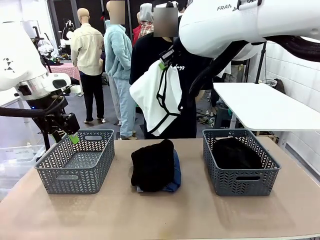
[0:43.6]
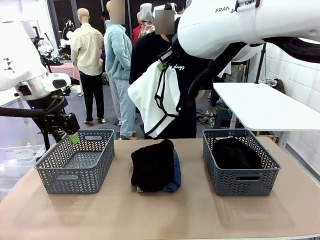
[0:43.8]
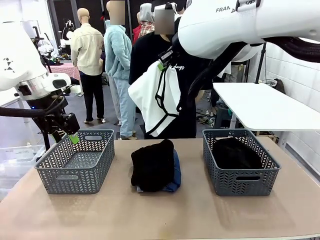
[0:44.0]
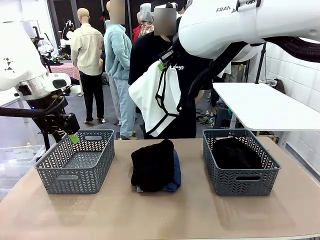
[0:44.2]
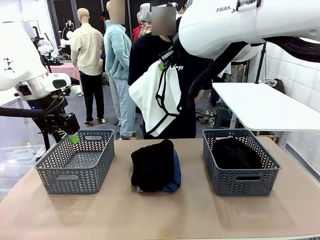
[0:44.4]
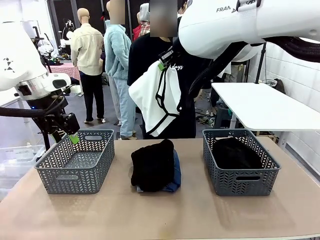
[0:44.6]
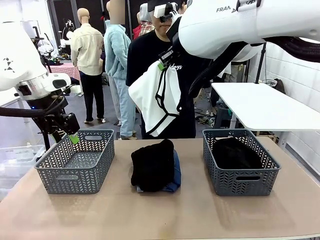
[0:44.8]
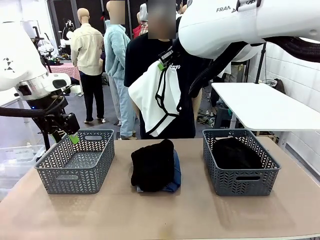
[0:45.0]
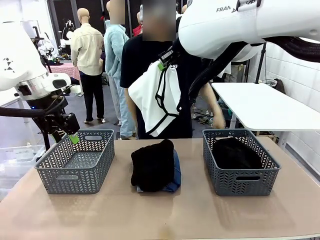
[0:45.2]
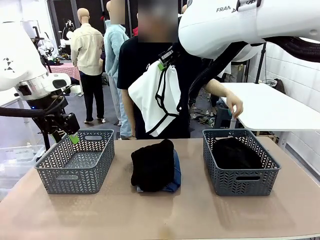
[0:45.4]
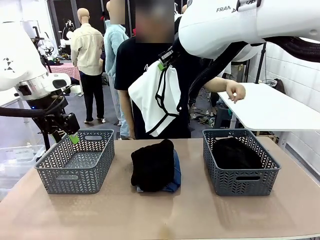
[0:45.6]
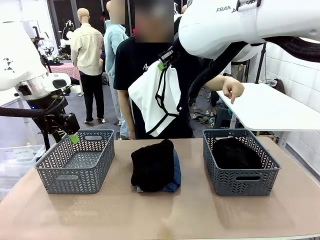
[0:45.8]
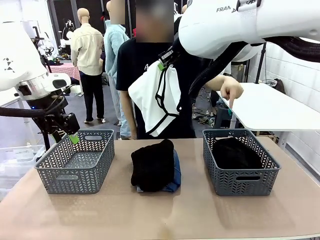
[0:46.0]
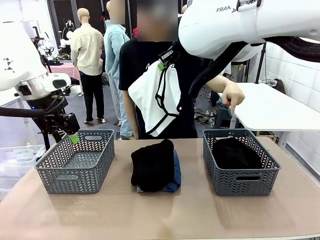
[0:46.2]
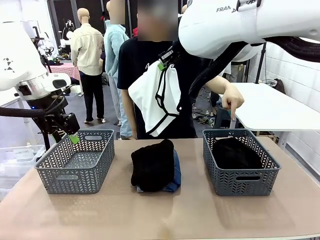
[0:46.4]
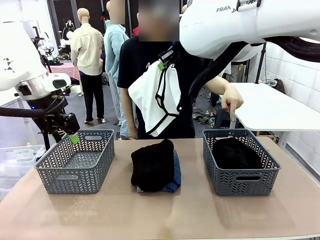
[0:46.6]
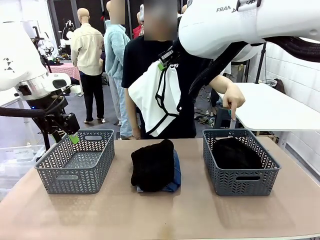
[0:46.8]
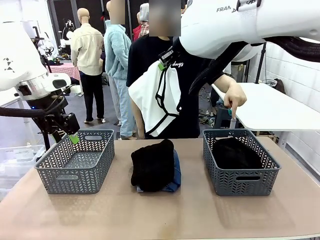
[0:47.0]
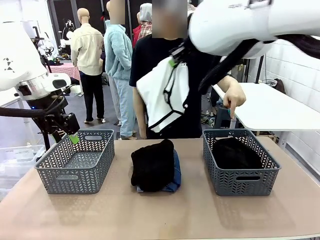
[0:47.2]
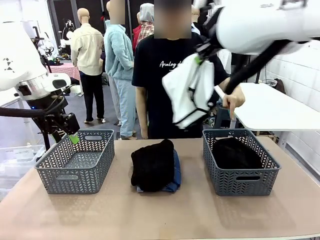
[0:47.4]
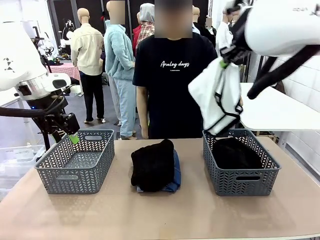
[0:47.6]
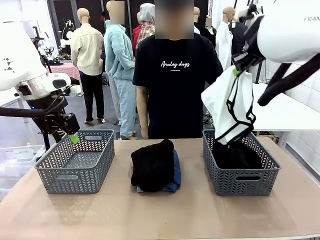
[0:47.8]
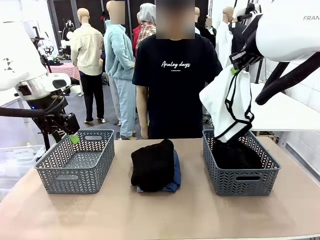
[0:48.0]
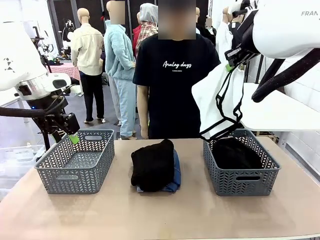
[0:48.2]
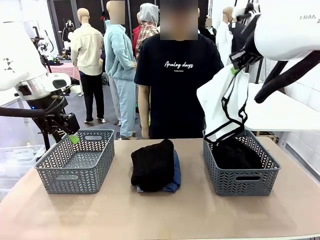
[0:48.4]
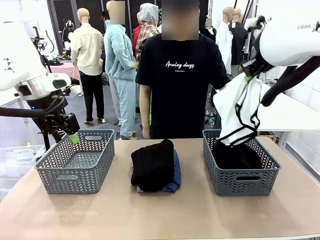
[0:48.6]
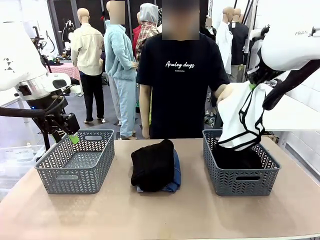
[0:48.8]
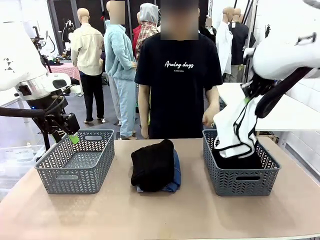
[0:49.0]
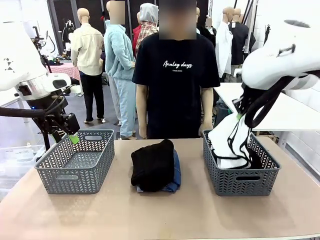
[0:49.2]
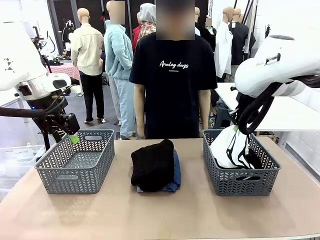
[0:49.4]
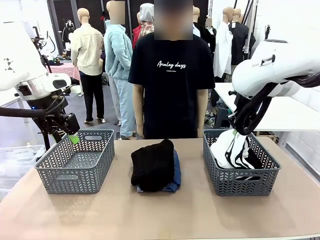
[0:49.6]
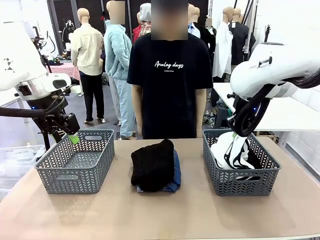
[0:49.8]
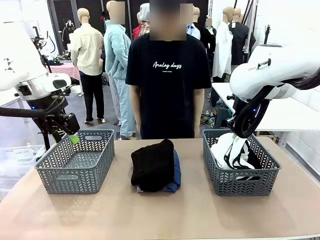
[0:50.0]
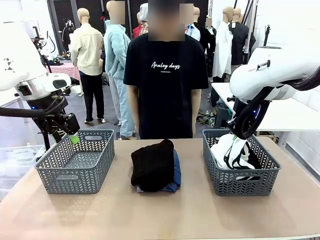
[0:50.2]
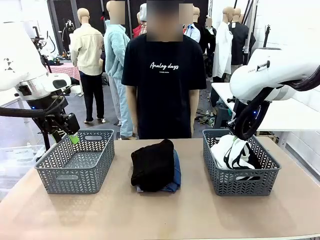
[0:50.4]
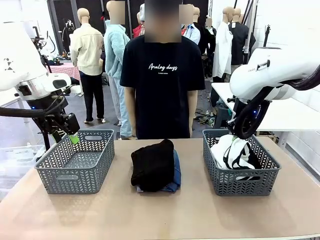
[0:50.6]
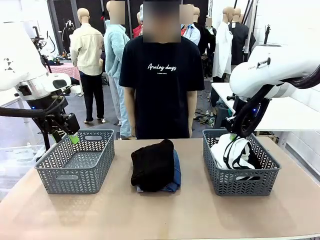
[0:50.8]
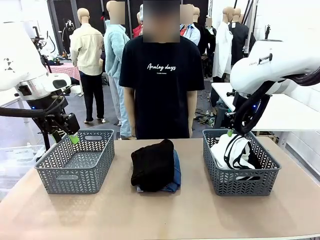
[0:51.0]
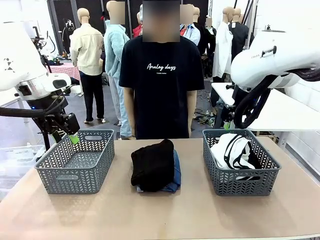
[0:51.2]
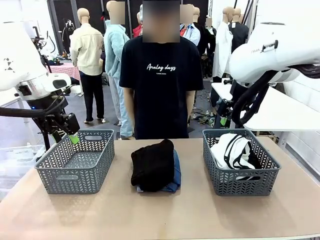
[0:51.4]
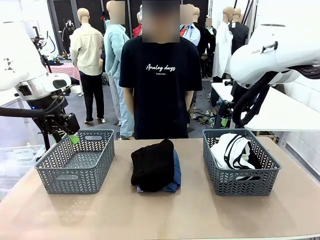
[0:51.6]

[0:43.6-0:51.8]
Task: Sort the tops and bottoms.
Robot: Sort the clothes according to human instructions.

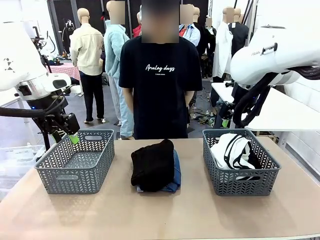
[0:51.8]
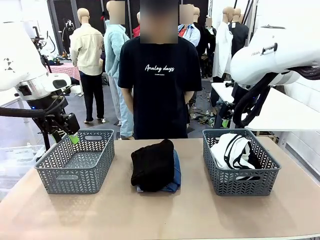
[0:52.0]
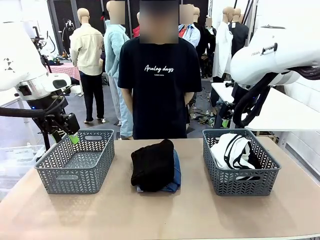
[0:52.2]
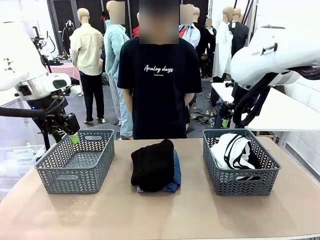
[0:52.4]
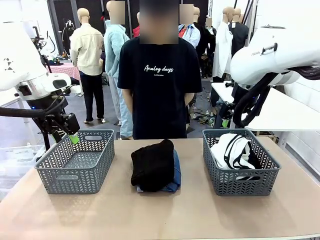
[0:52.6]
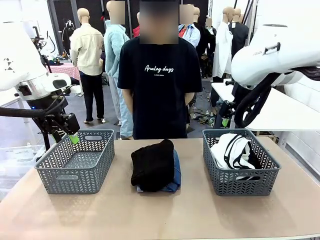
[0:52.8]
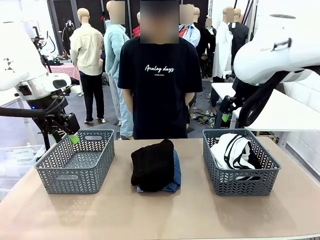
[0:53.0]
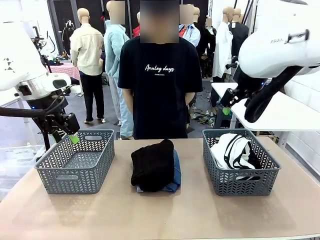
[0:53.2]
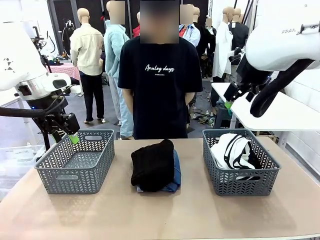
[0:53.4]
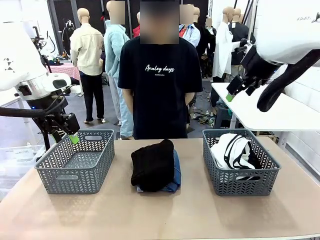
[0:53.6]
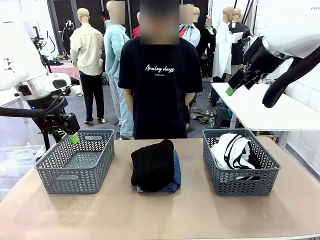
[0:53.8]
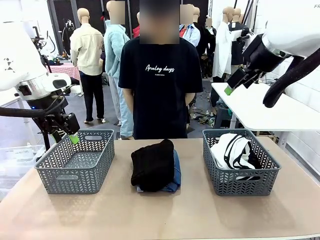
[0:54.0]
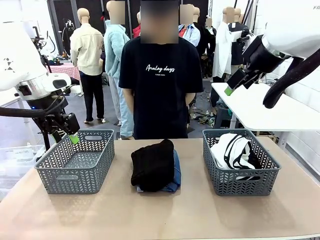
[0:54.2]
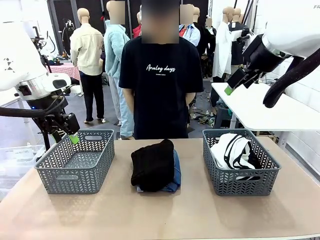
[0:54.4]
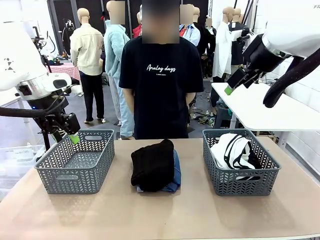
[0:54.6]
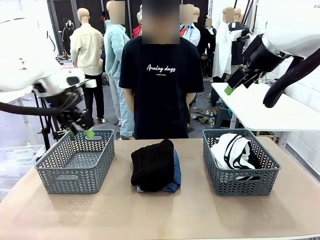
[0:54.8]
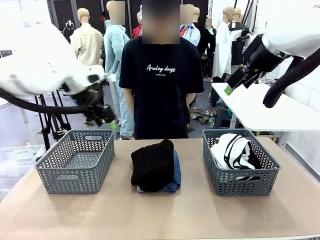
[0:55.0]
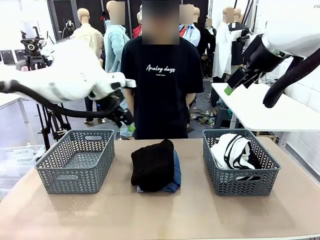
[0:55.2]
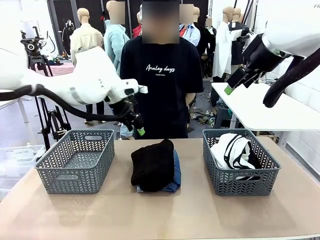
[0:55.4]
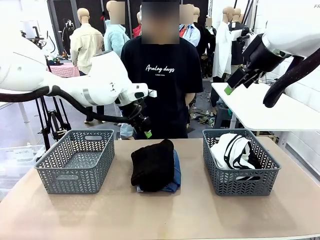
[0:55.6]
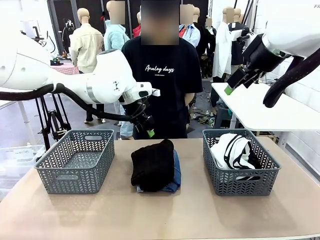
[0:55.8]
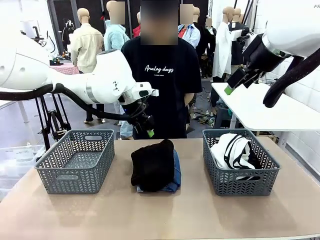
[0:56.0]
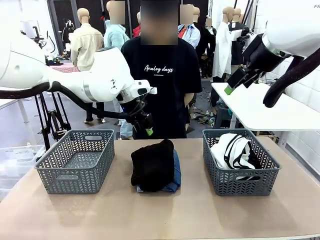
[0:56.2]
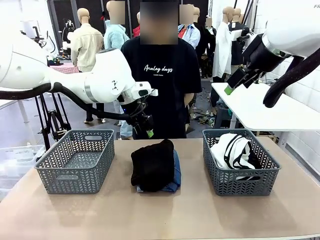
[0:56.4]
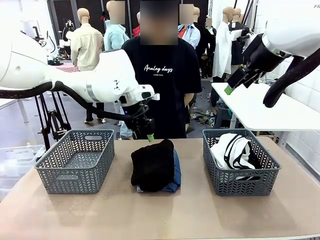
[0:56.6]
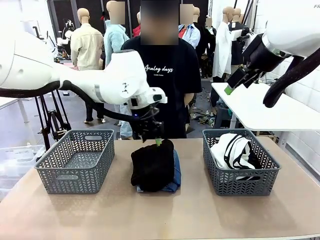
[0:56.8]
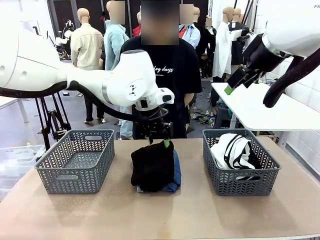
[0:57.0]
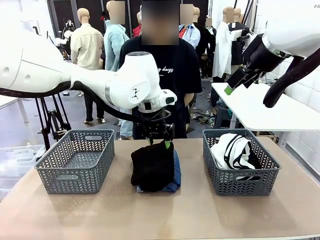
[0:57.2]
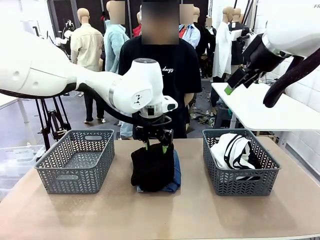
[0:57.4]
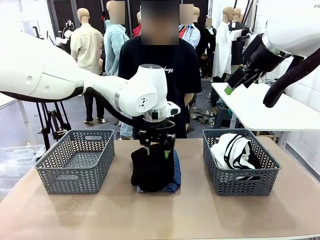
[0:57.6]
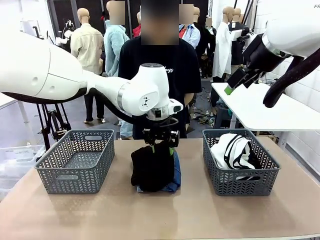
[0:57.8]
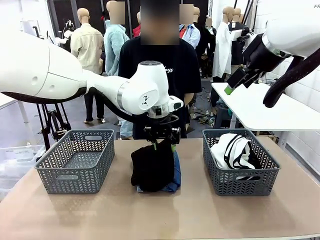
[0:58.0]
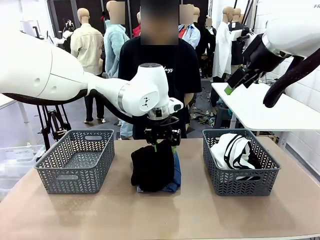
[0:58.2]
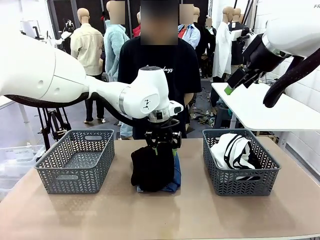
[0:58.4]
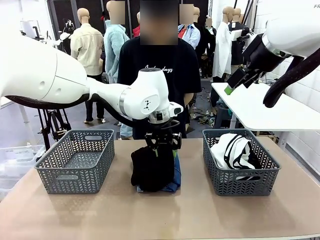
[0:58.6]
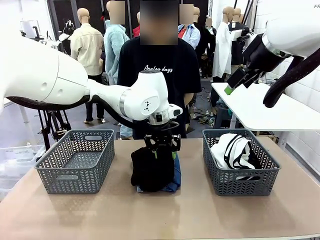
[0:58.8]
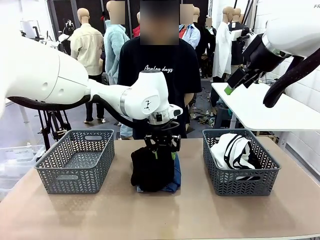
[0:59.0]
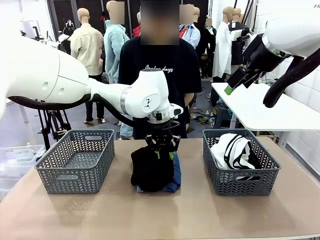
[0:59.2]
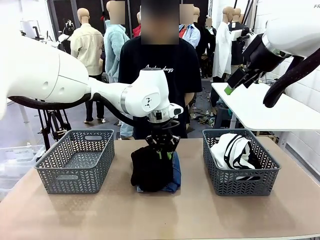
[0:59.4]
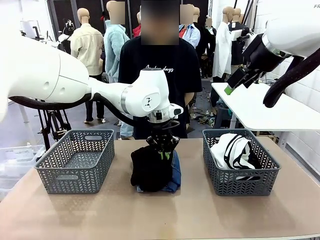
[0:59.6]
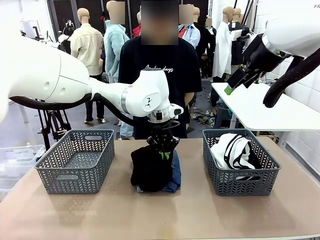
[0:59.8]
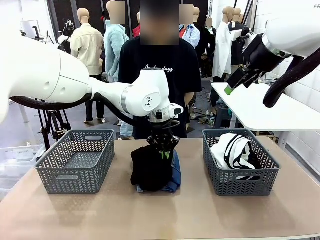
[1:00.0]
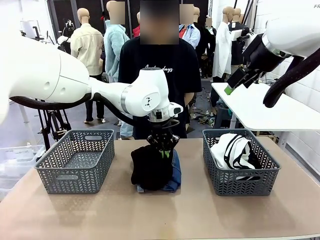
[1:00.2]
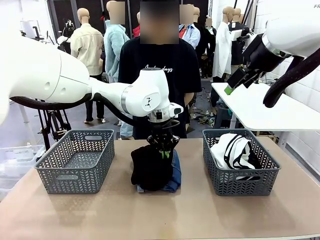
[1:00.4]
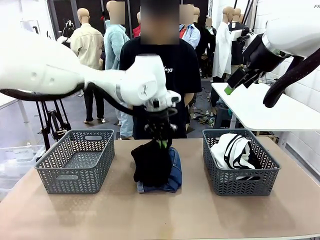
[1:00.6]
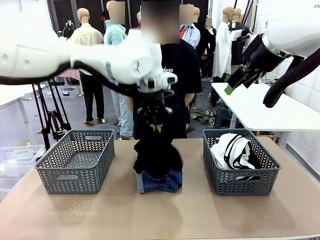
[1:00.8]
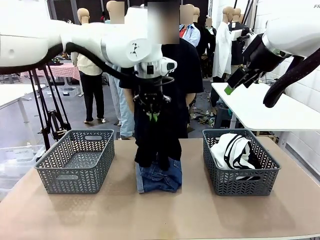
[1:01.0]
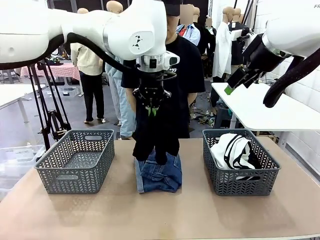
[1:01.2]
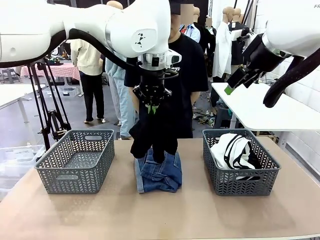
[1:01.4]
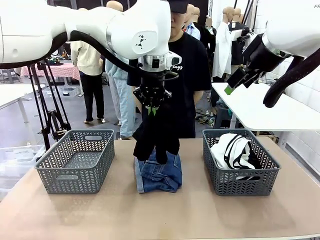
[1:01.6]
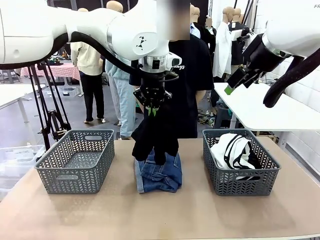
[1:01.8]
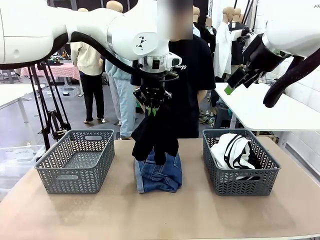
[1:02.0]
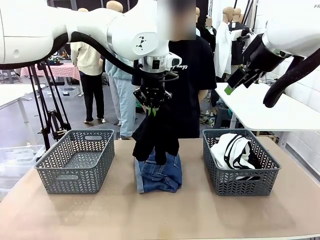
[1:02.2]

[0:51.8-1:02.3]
Robot: Lift clothes from the center of the table with your left hand.
